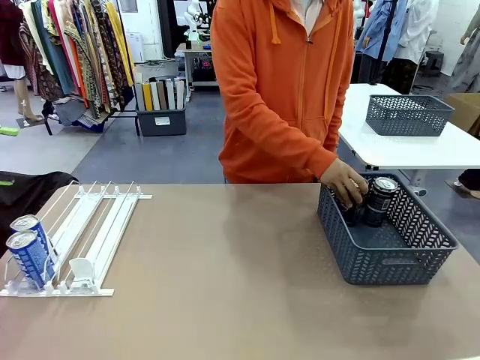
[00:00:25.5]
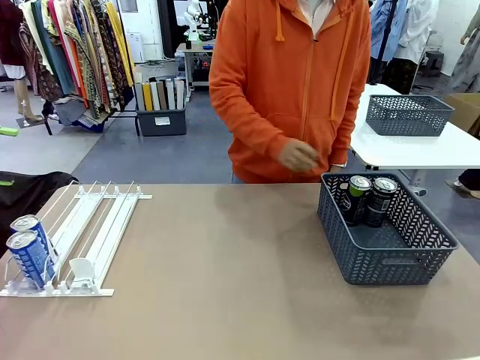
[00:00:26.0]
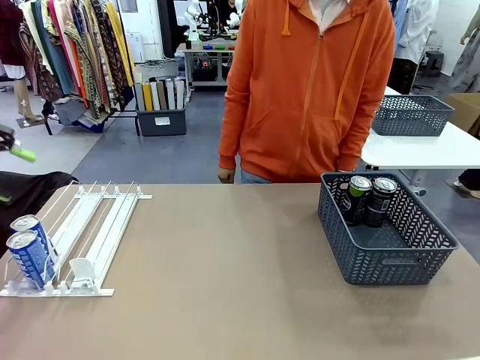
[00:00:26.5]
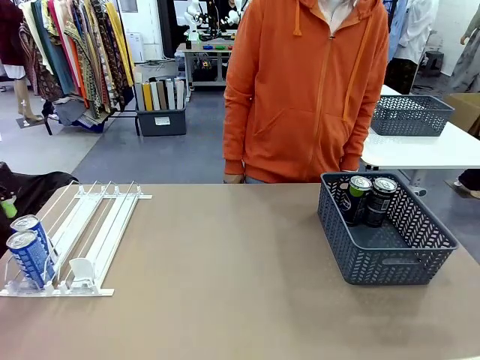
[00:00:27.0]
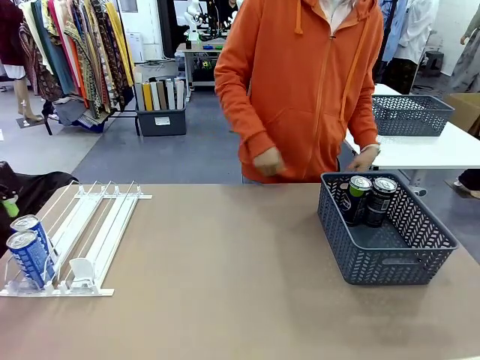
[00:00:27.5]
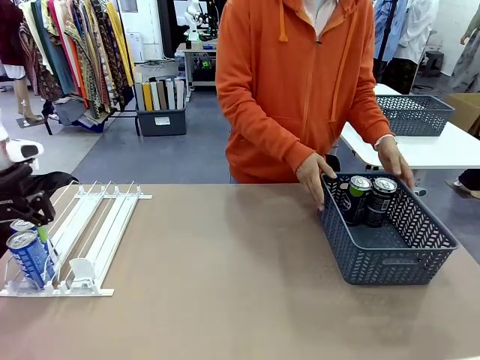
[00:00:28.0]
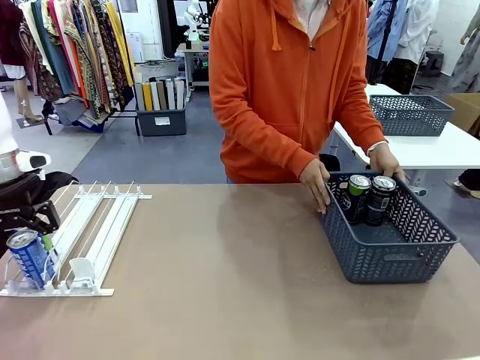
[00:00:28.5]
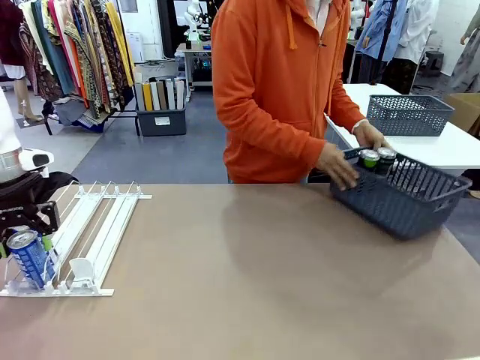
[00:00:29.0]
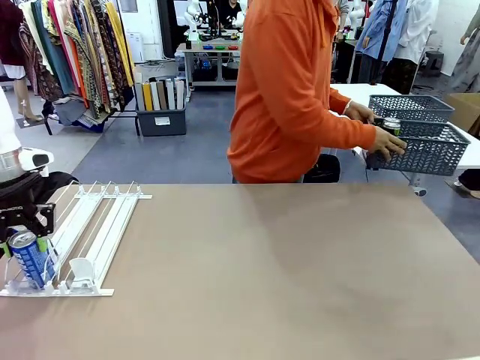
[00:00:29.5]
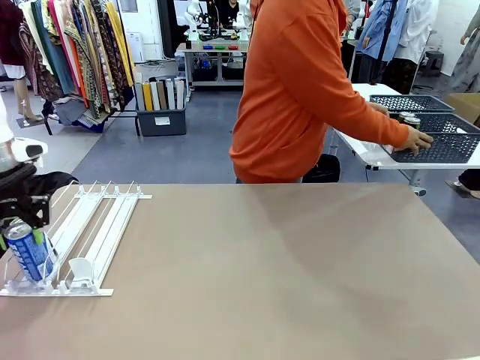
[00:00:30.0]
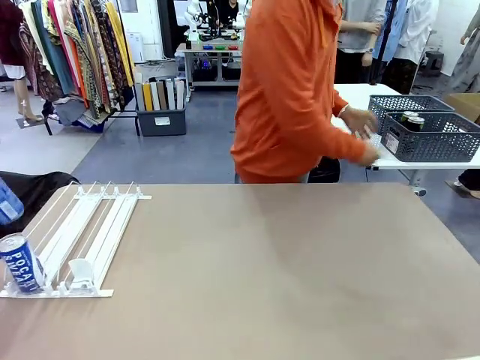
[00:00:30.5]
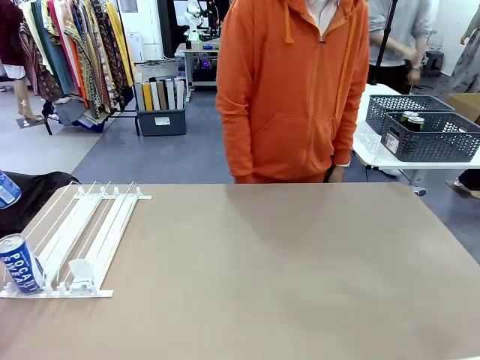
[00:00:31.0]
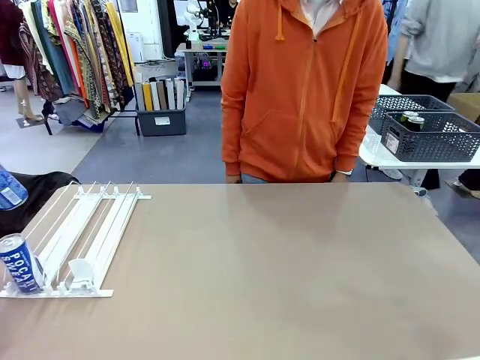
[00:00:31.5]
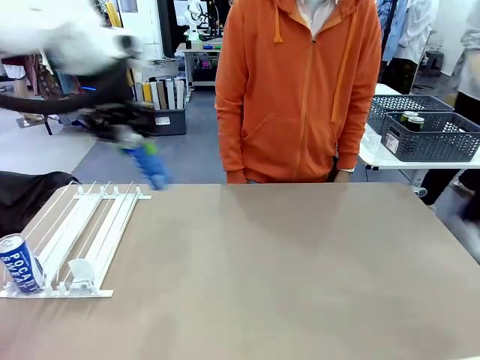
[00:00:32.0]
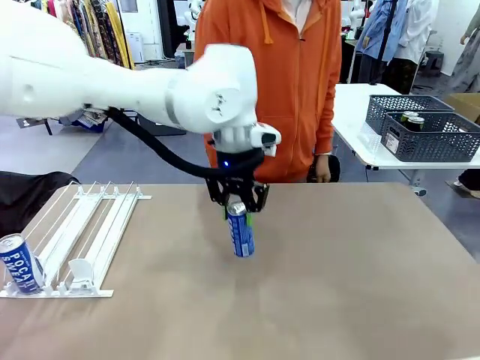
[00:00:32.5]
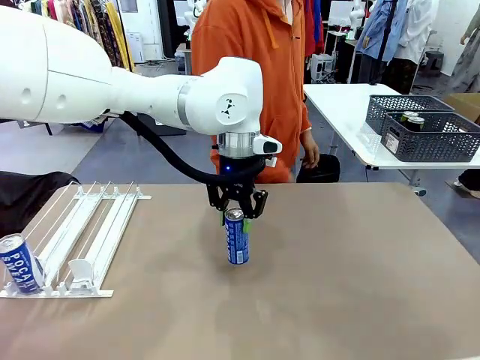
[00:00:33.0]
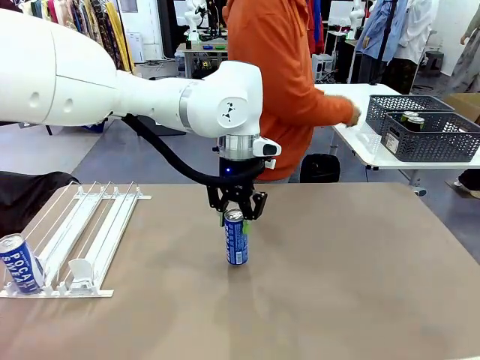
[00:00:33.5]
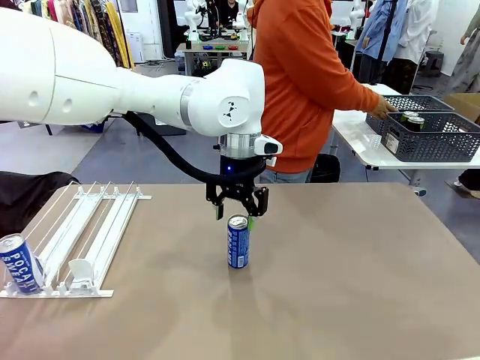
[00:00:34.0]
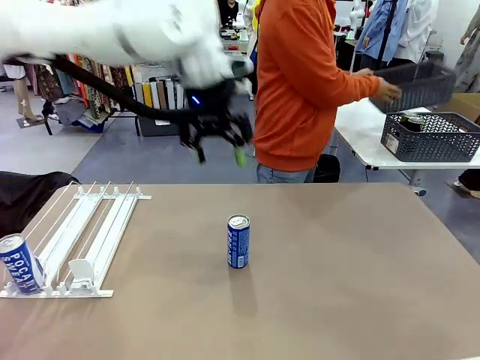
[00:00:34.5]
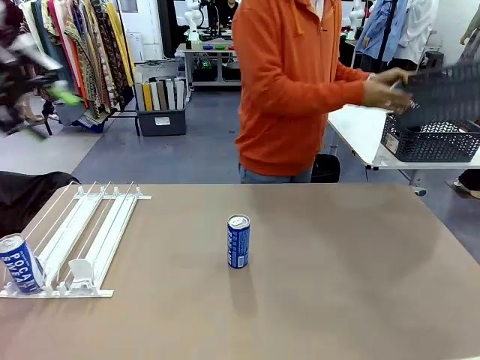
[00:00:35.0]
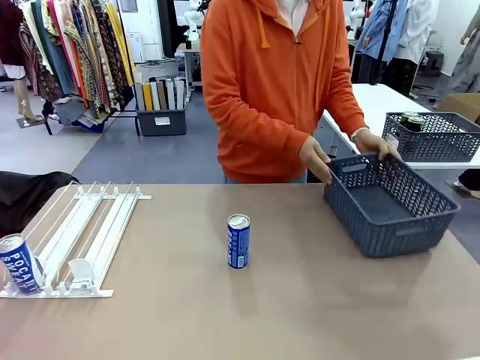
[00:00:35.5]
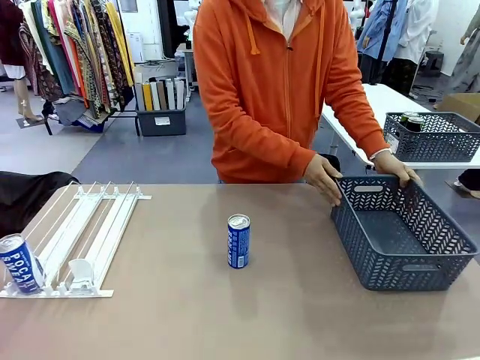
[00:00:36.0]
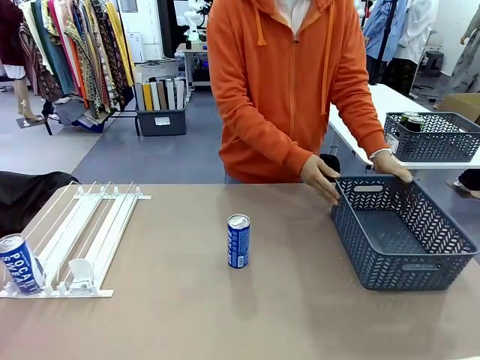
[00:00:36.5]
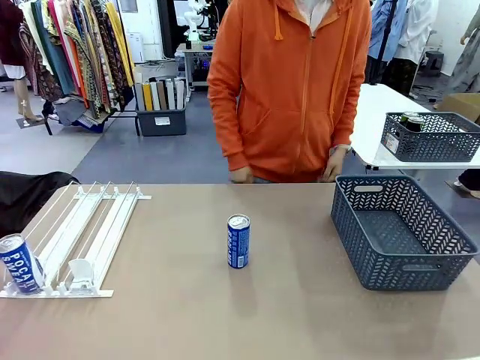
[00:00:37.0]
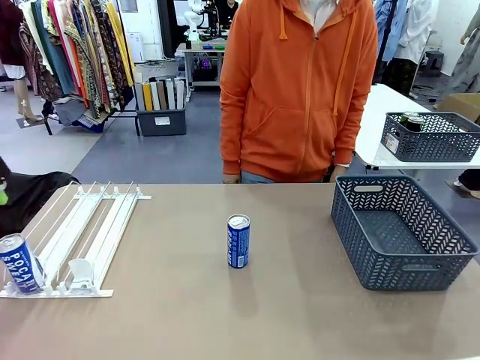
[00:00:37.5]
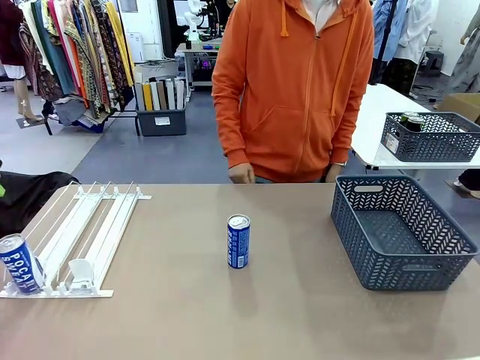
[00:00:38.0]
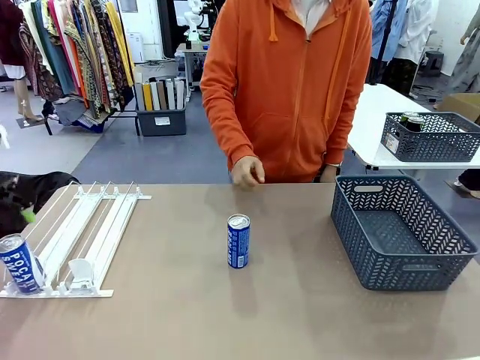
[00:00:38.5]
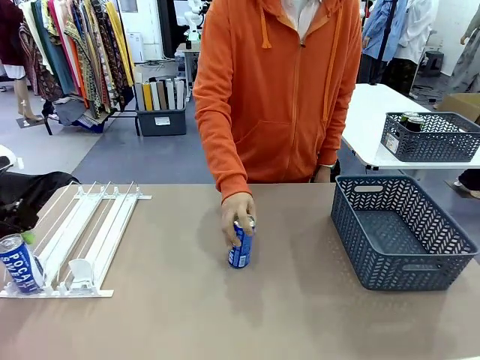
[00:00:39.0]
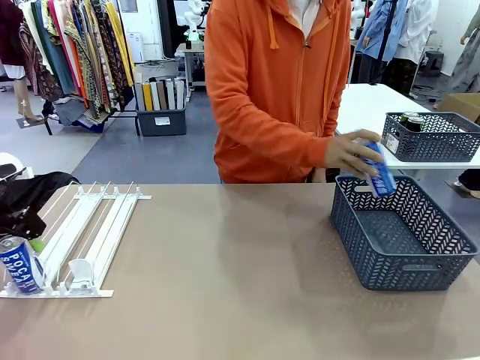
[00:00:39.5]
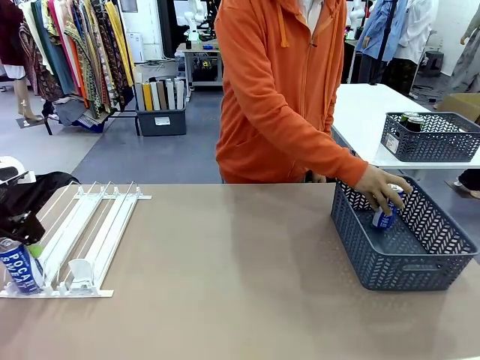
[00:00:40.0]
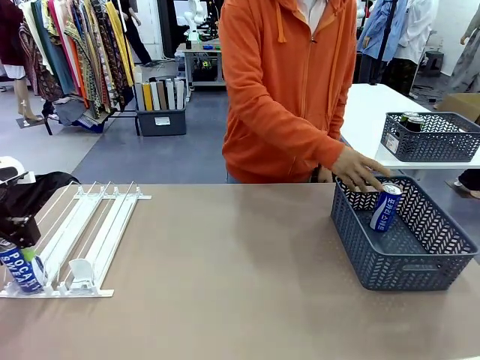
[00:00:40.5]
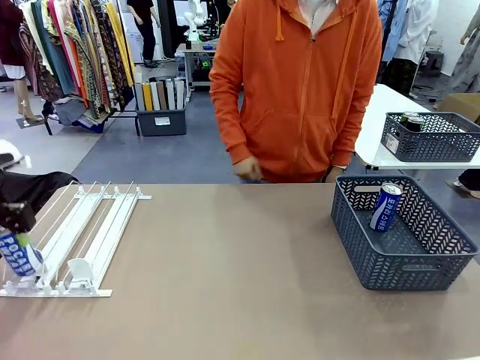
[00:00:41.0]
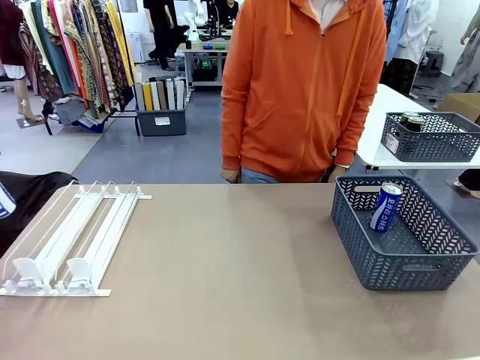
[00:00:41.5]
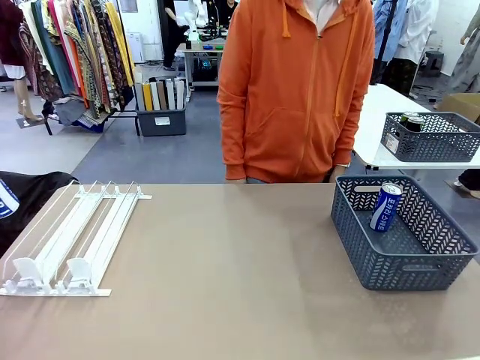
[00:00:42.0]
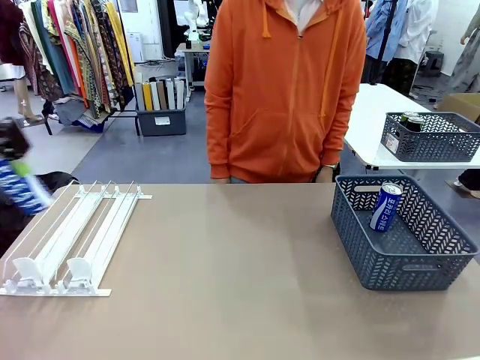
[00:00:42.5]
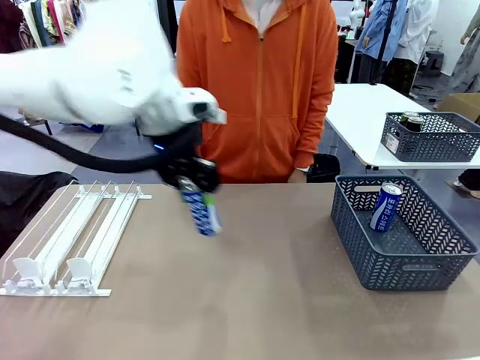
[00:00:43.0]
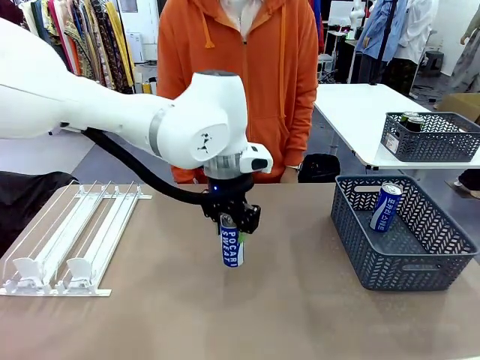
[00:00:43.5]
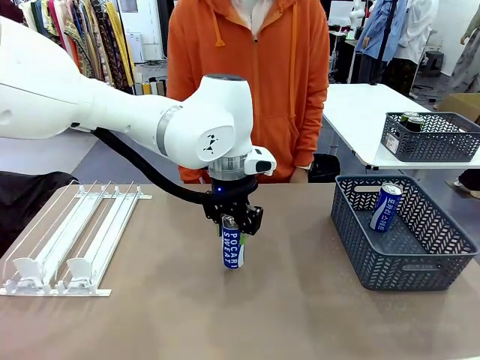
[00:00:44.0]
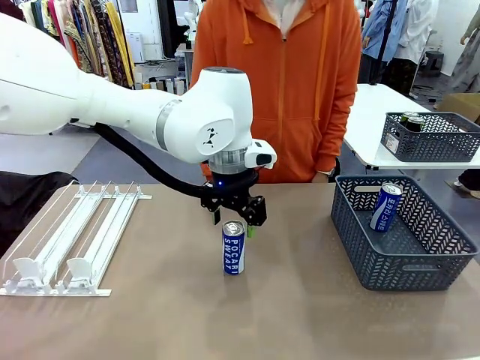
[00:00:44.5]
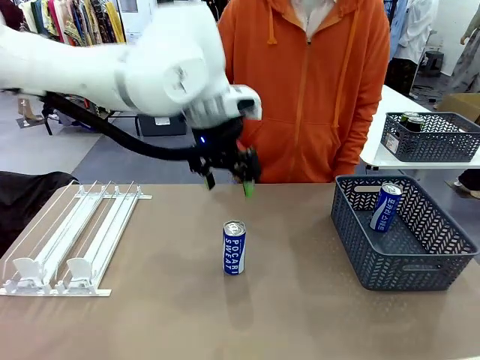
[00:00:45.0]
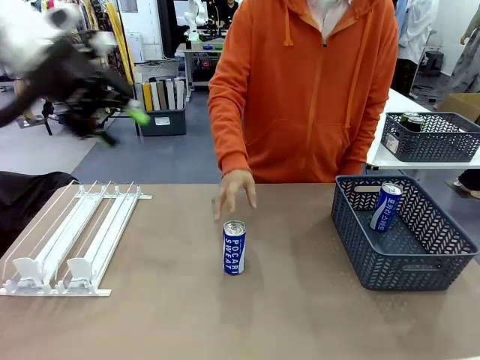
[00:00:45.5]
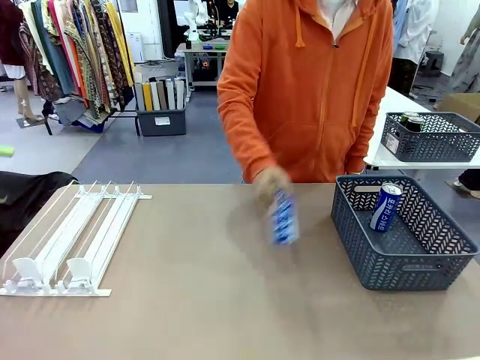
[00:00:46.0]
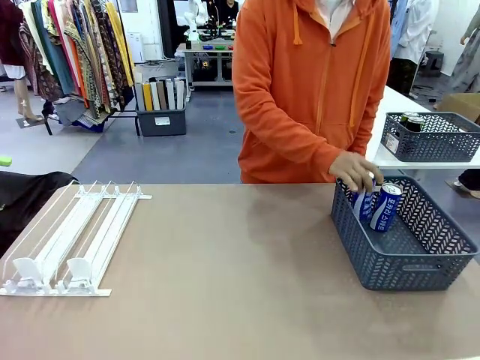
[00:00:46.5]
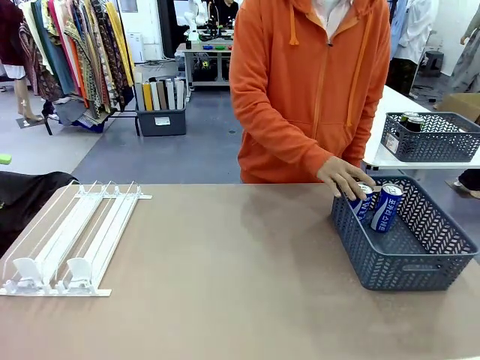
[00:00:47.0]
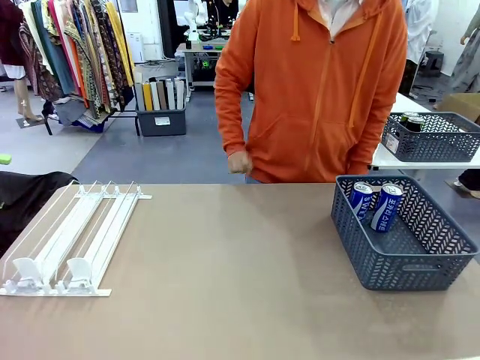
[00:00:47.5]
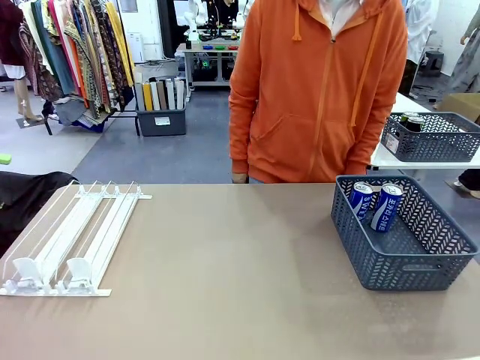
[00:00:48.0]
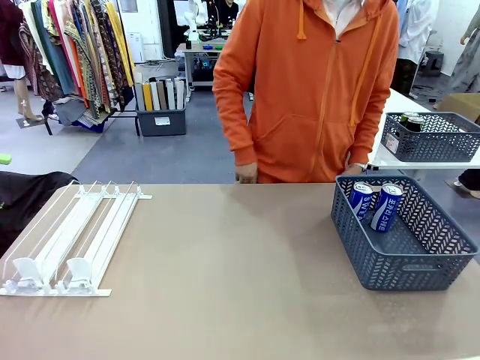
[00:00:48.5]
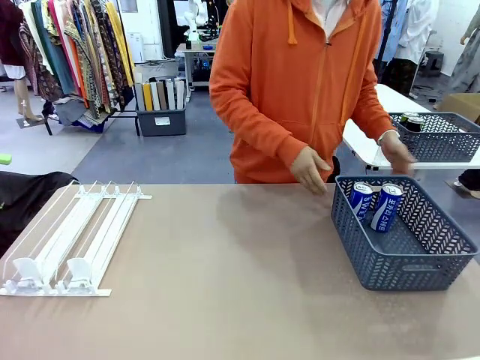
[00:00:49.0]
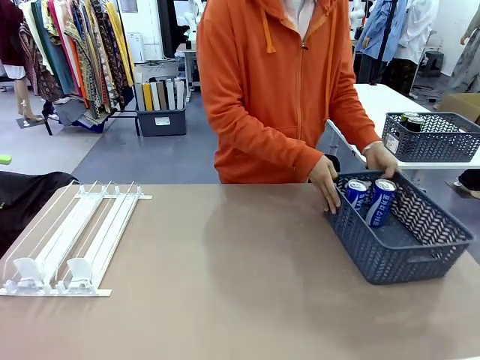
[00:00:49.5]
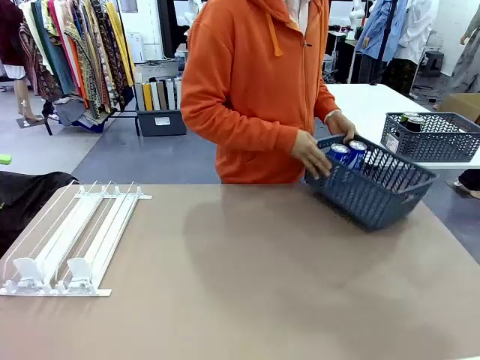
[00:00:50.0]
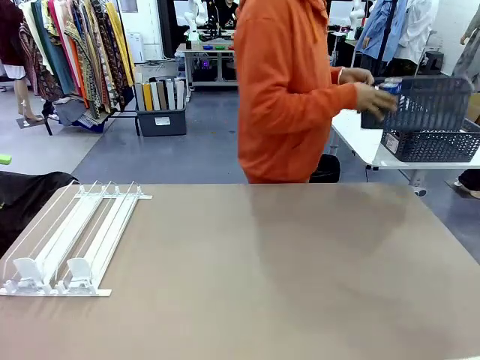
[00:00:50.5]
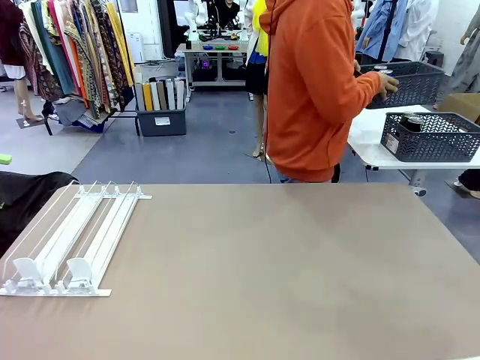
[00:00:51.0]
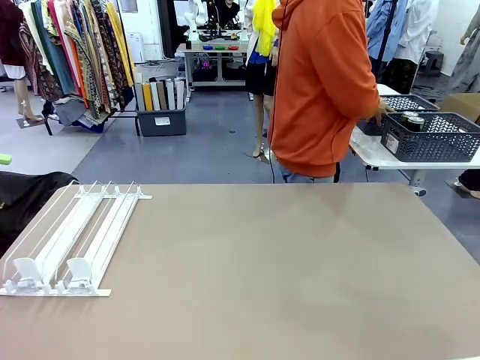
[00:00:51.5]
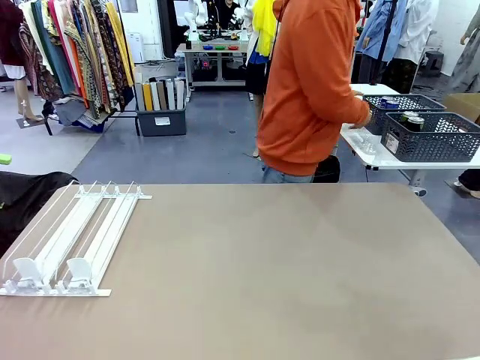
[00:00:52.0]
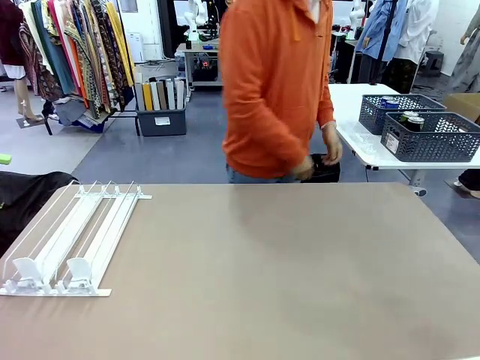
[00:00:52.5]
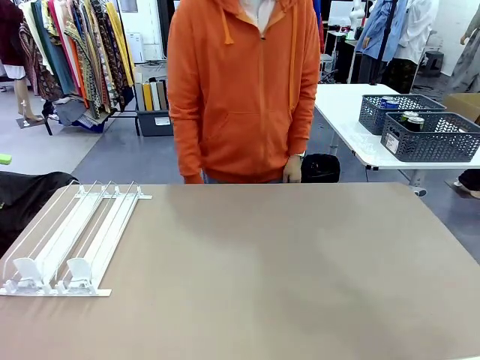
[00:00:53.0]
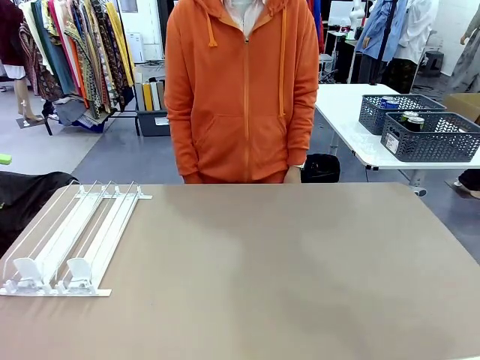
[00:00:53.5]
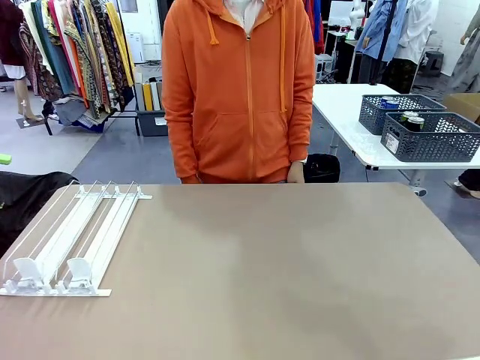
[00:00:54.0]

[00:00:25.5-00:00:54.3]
Task: Retrieve and store the cans from the dispenser.
Robot: Pick up one can from the Automatic Can Dispenser and place it in the middle of the table.
Person: Pick up the basket and place it in the middle of the human table. Pick up the empty basket and place it on the left side of the robot table. Pick up one sports drink can from the middle of the robot table and place it in the basket. Pick up the basket and place it in the middle of the human table.
